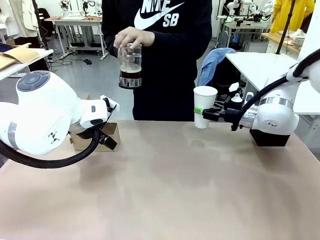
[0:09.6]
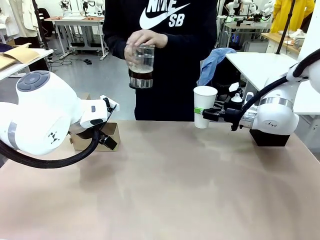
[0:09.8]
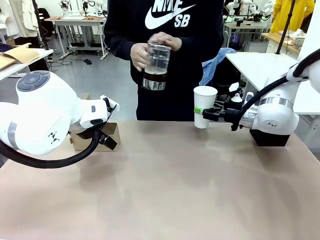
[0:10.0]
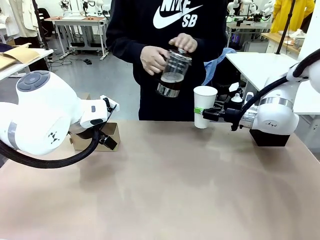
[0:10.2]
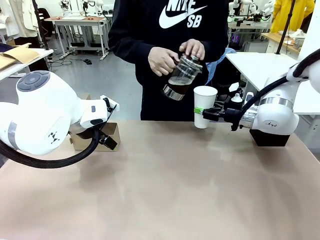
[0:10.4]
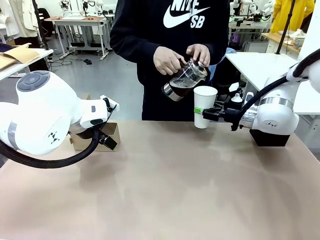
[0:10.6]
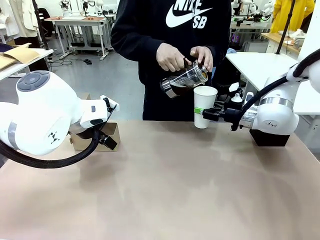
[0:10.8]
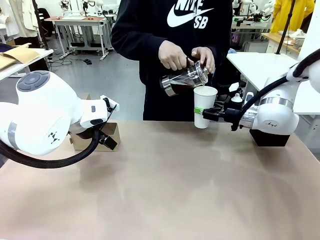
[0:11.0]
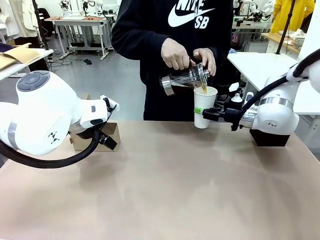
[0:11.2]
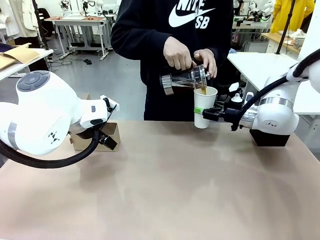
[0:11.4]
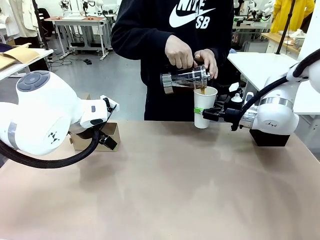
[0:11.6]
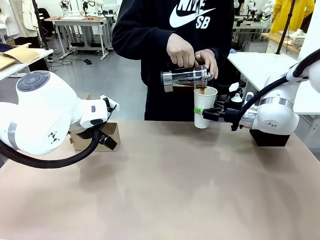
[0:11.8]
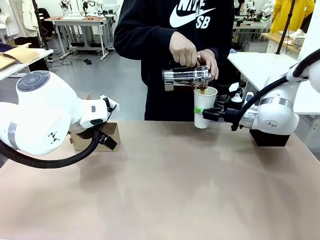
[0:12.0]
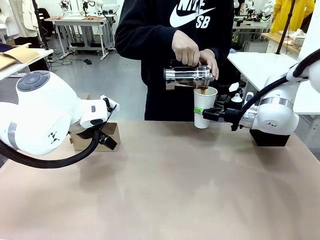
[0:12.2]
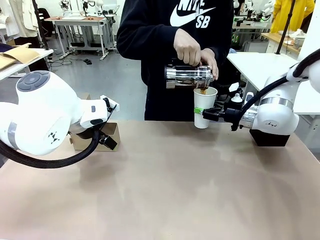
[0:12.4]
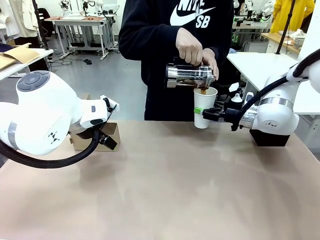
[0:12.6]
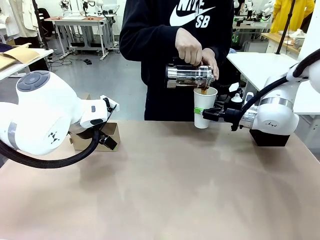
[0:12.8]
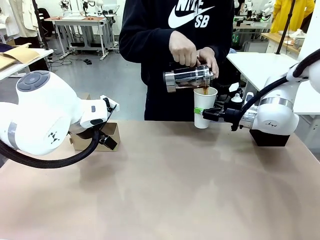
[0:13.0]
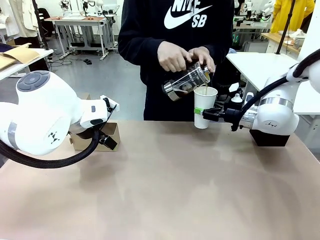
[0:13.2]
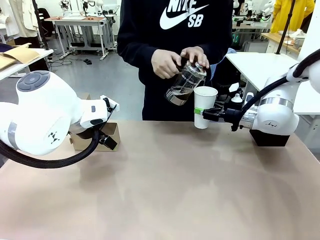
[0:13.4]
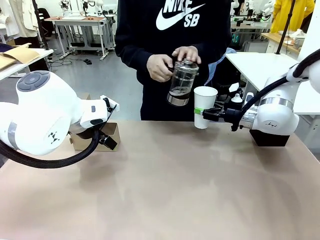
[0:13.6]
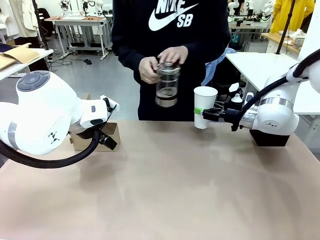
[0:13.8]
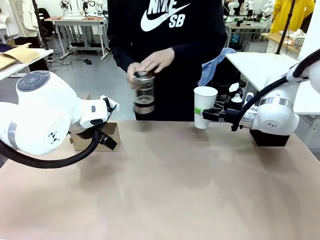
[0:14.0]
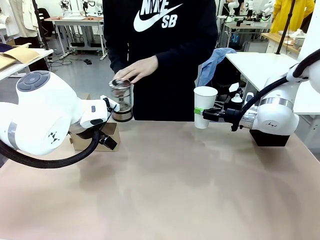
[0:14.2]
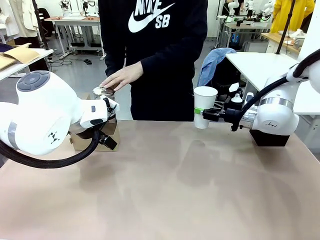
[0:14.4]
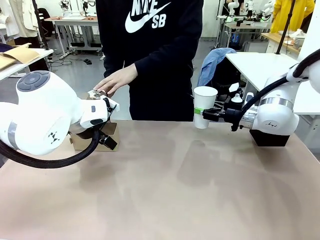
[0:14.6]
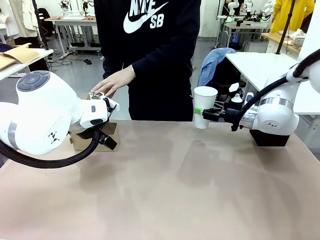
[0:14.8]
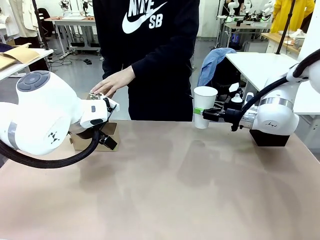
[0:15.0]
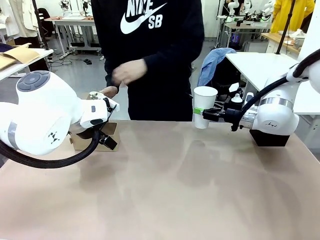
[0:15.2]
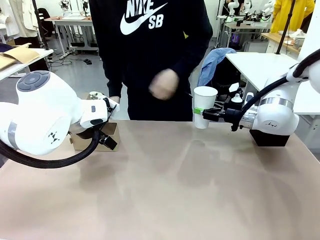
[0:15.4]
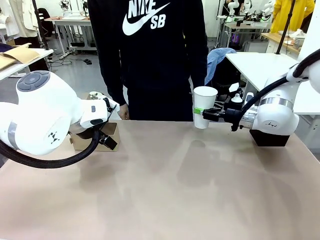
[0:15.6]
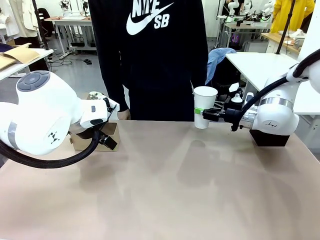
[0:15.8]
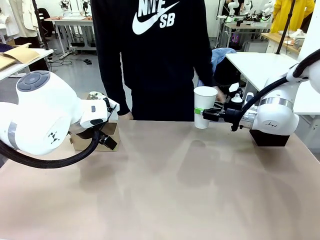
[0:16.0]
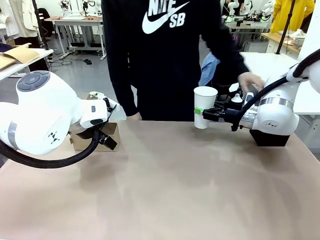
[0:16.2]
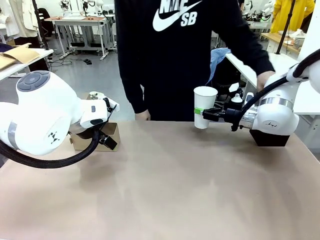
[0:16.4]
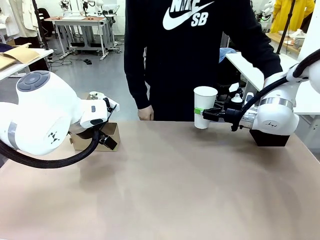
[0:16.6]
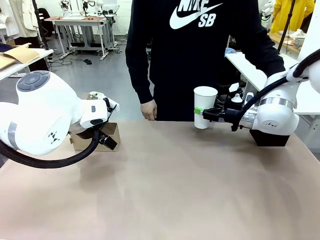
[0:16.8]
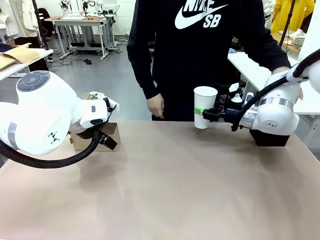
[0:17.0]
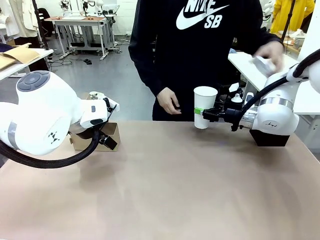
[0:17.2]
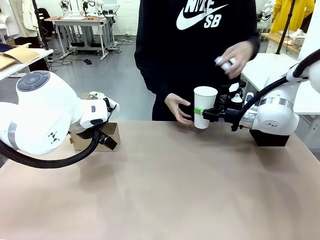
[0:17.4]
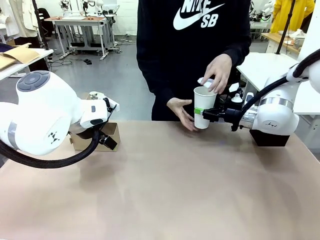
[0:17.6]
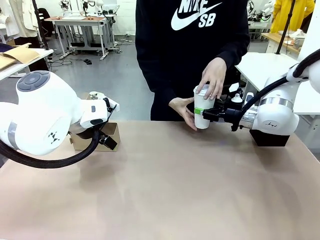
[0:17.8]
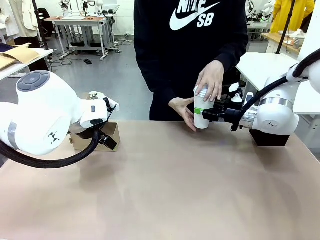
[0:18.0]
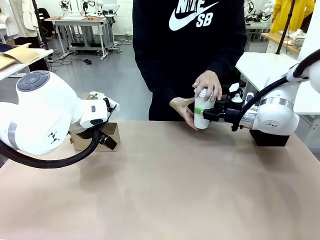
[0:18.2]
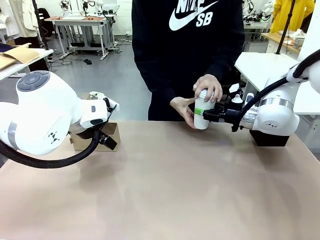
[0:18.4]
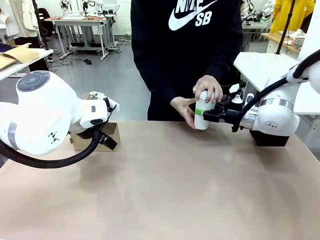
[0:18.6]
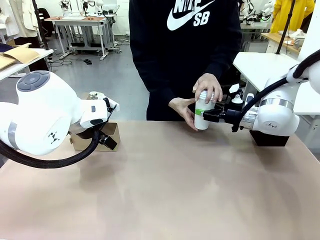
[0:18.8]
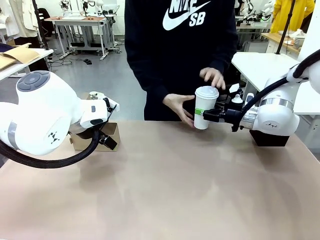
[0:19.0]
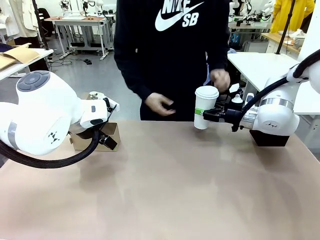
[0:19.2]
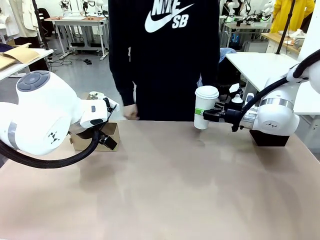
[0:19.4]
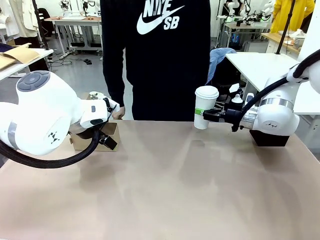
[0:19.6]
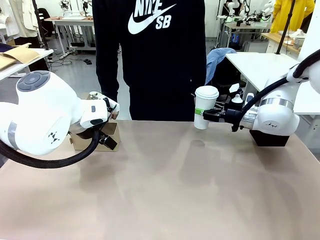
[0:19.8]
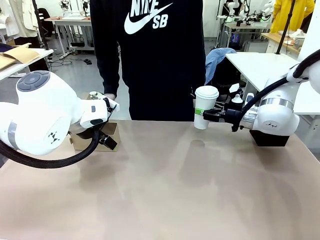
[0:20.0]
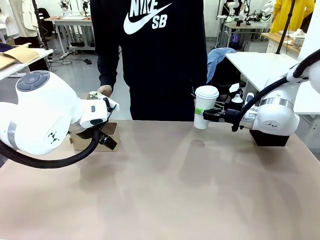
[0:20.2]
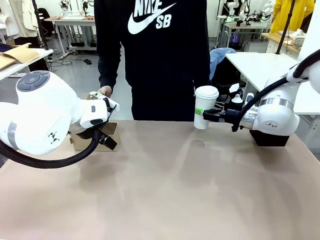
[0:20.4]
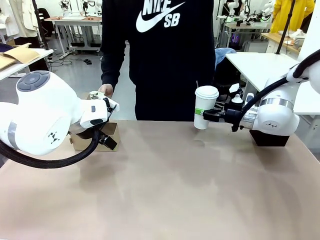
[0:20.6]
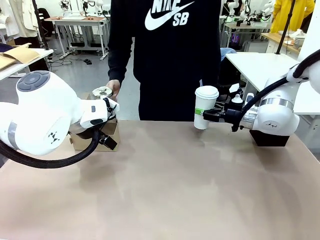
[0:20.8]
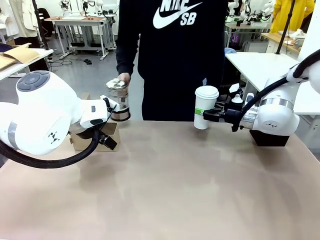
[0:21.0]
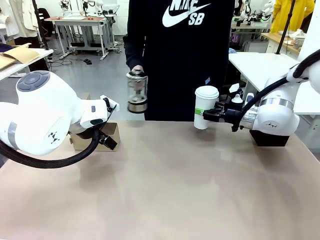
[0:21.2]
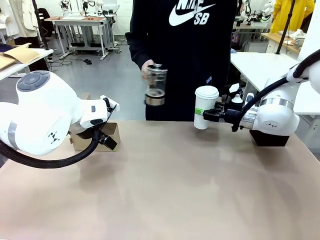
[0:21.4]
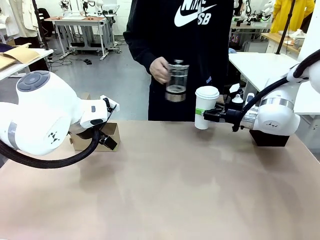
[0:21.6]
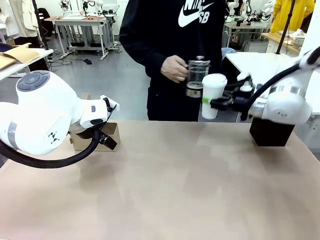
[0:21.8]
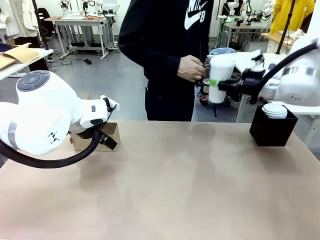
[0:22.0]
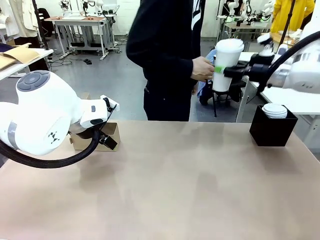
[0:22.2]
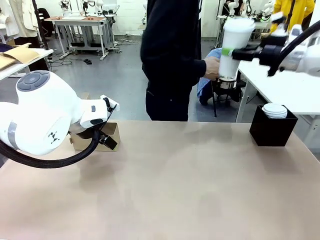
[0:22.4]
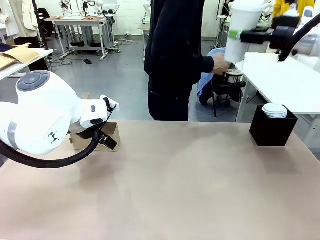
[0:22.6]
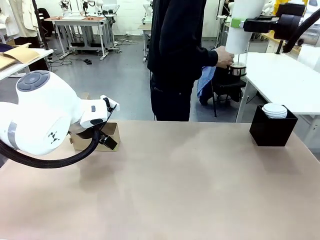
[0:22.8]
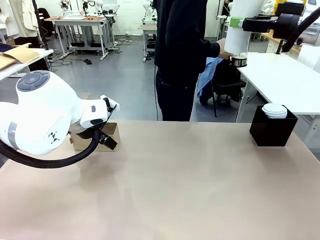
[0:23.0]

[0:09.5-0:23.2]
Task: Pour a drink into a cup and package it in a carrier.
Robot: When a person places the Paper Cup Lid on the 600 ml Paper Cup , lift the 600 ml Paper Cup.
Person: Pour the drink from the Filter Brewing into the 600 ml Paper Cup. Place a Paper Cup Lid on the 600 ml Paper Cup.

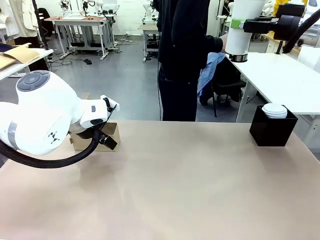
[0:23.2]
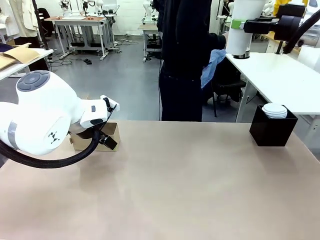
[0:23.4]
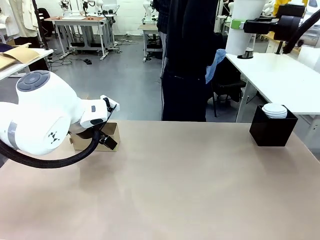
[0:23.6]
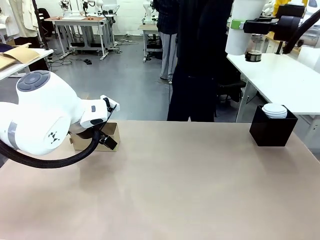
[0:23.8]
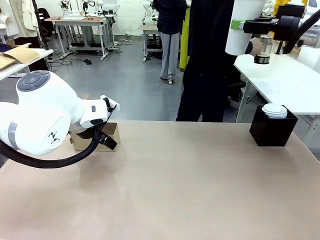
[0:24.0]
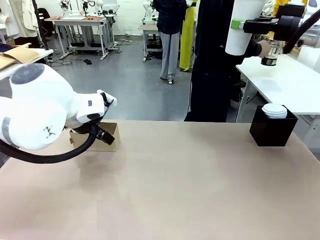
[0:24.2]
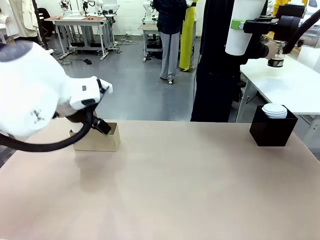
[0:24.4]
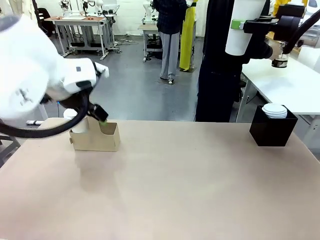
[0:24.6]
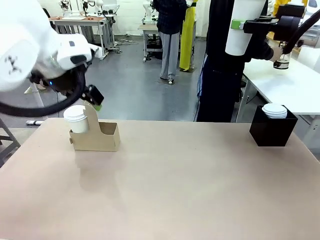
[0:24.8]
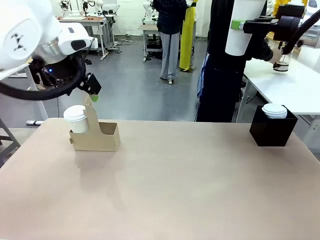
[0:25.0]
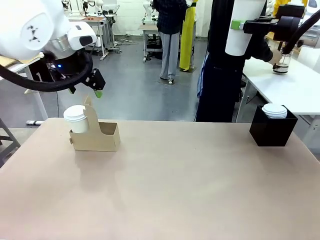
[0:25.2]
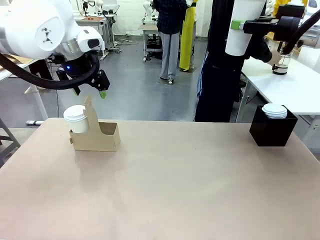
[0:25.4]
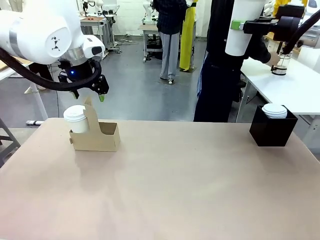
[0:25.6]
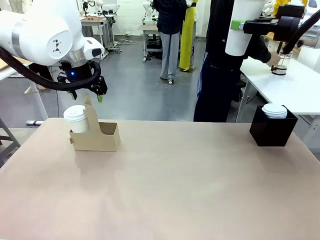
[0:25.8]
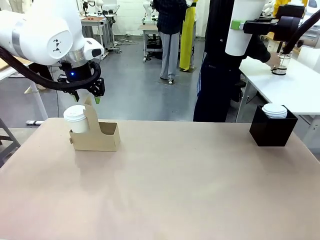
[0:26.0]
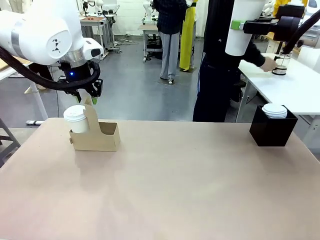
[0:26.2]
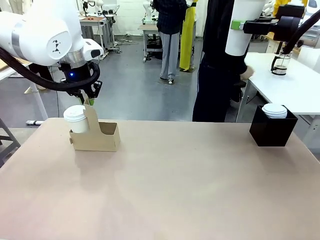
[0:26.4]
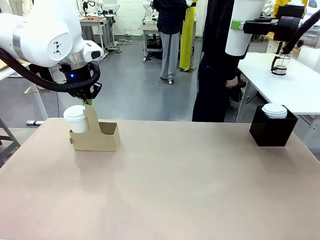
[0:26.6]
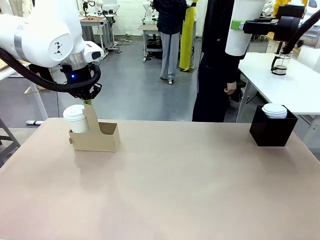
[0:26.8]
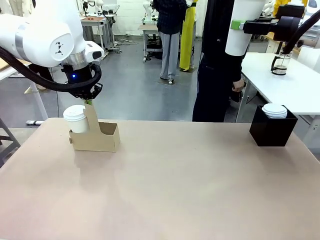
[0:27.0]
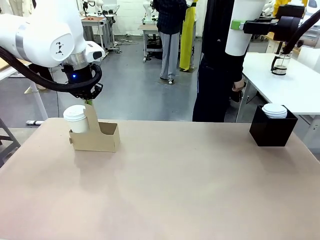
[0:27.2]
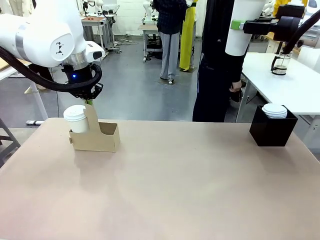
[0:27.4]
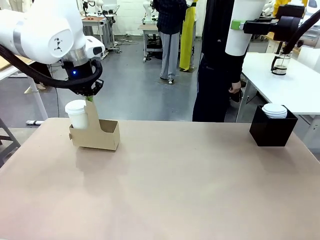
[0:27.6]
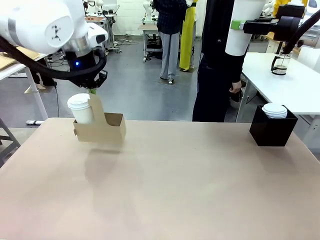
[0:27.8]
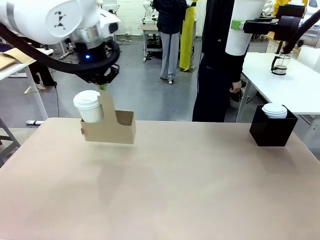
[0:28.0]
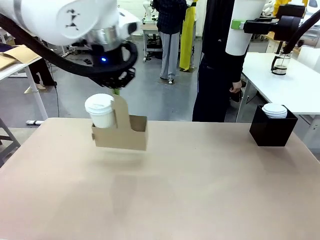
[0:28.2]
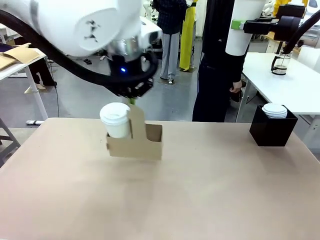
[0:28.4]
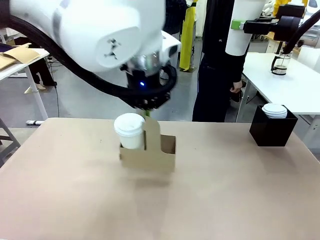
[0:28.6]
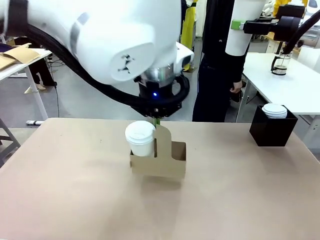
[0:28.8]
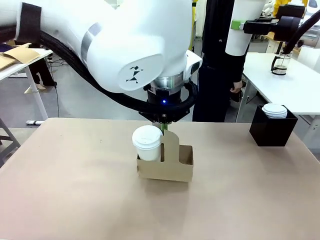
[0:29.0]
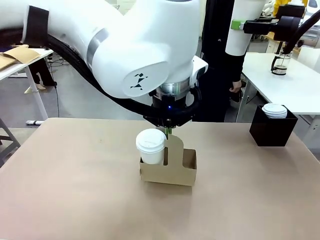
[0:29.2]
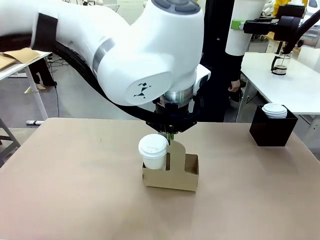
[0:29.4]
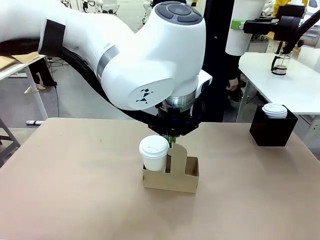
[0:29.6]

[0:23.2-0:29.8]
Robot: Position the Cup Carrier in the center of the table.
